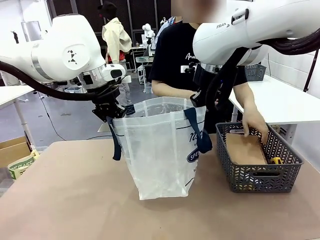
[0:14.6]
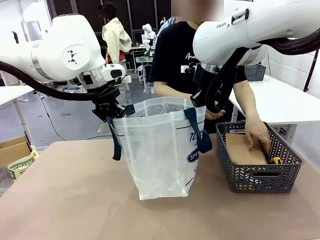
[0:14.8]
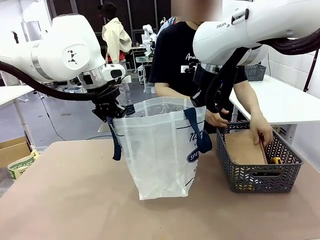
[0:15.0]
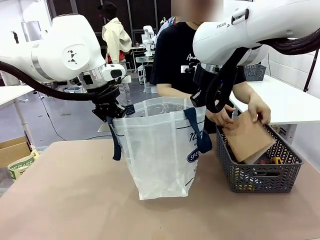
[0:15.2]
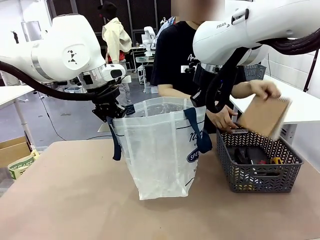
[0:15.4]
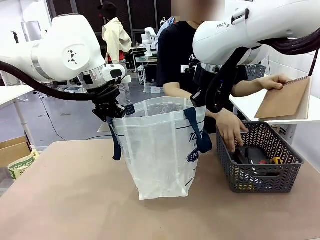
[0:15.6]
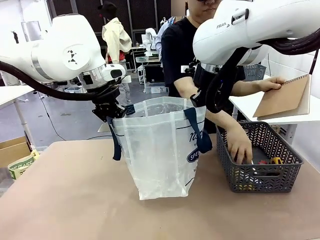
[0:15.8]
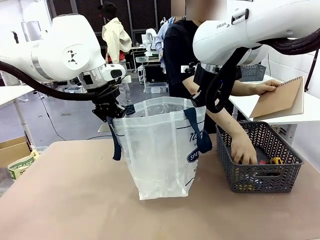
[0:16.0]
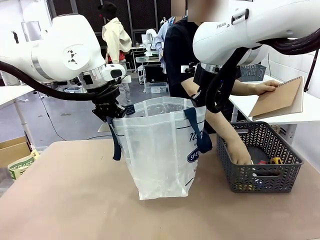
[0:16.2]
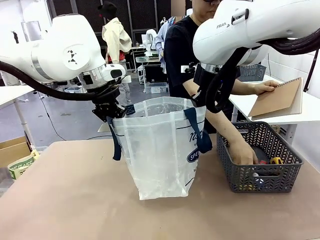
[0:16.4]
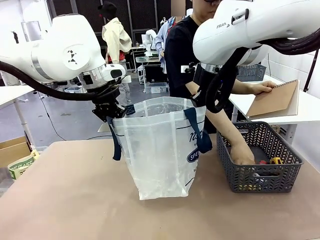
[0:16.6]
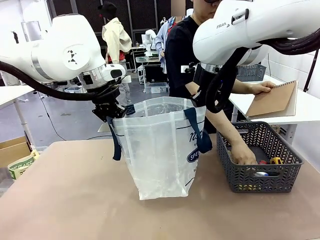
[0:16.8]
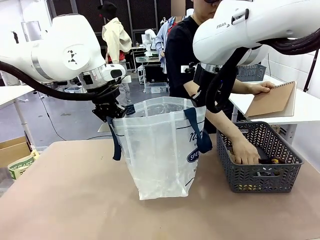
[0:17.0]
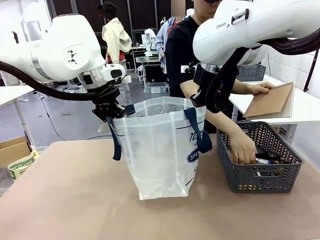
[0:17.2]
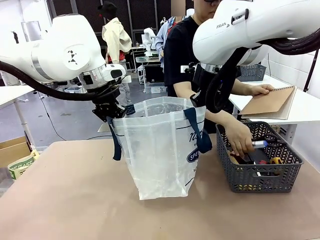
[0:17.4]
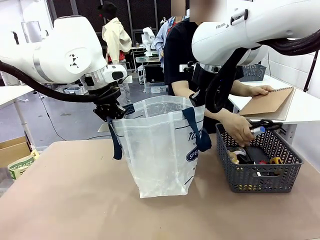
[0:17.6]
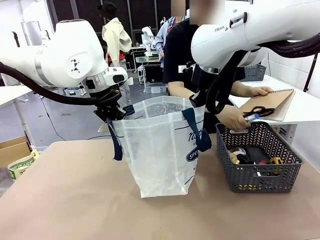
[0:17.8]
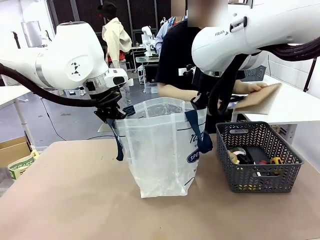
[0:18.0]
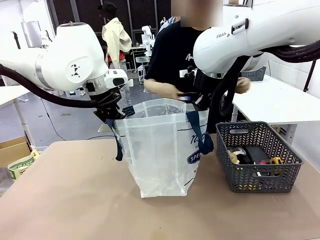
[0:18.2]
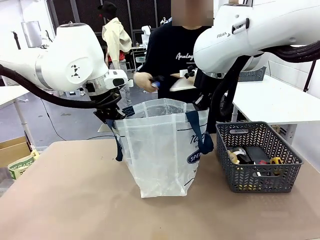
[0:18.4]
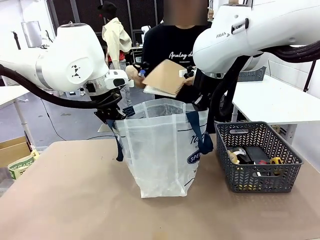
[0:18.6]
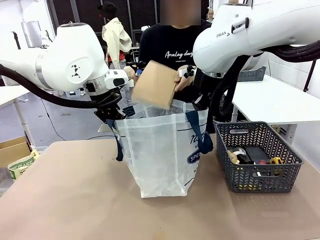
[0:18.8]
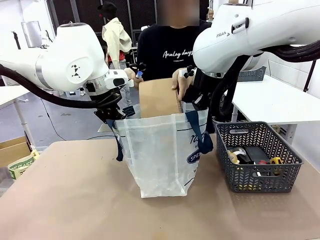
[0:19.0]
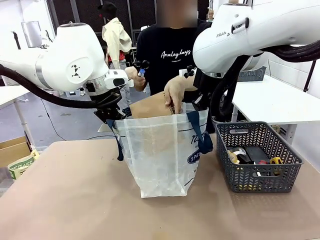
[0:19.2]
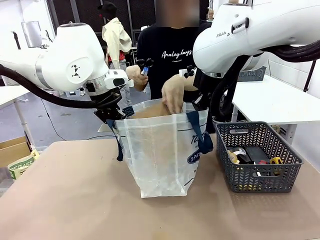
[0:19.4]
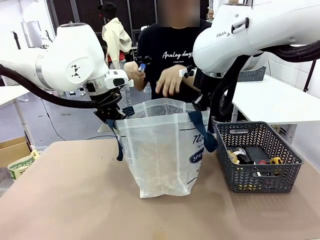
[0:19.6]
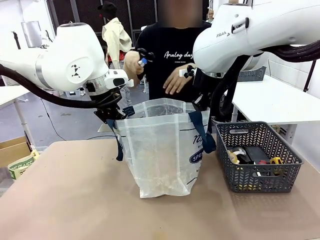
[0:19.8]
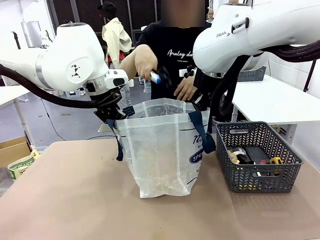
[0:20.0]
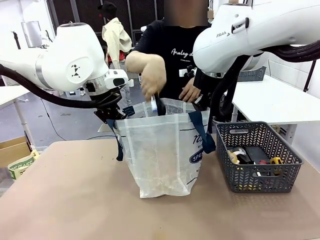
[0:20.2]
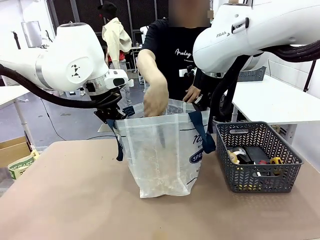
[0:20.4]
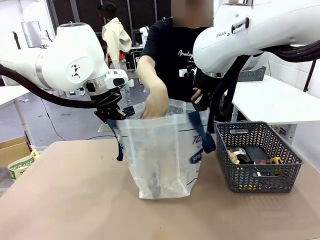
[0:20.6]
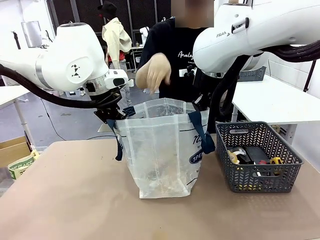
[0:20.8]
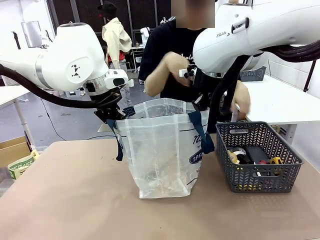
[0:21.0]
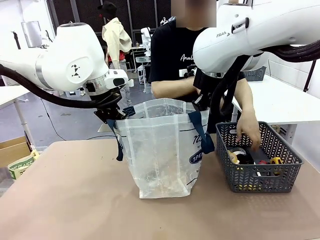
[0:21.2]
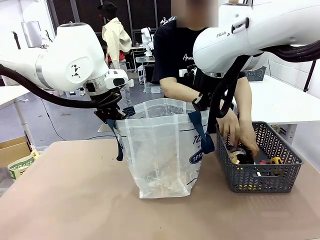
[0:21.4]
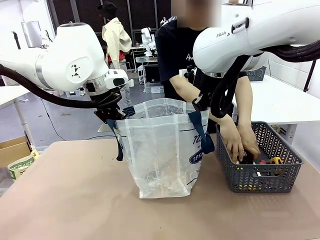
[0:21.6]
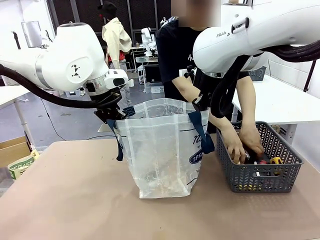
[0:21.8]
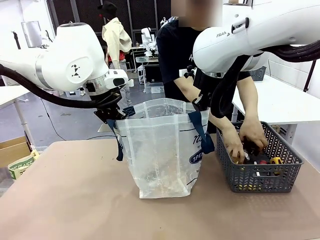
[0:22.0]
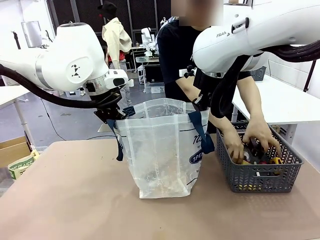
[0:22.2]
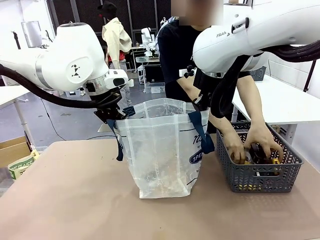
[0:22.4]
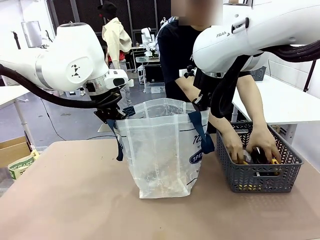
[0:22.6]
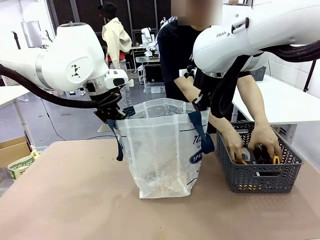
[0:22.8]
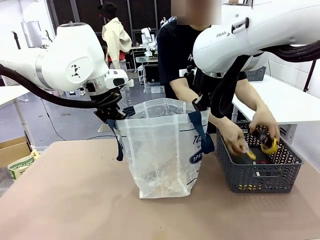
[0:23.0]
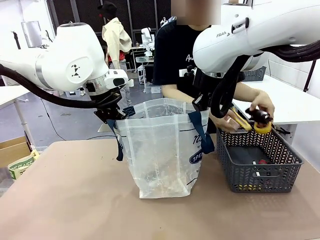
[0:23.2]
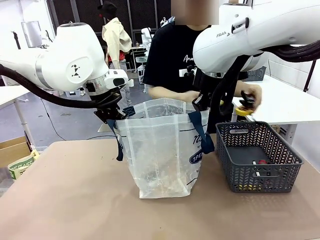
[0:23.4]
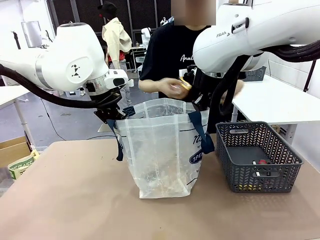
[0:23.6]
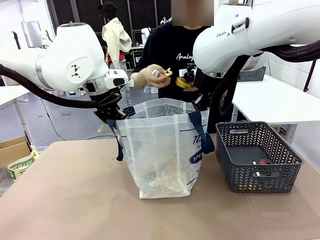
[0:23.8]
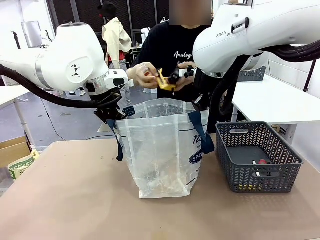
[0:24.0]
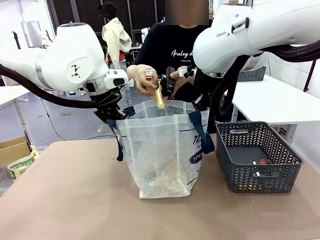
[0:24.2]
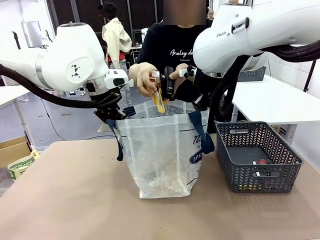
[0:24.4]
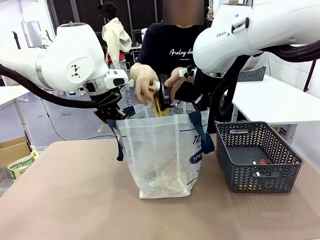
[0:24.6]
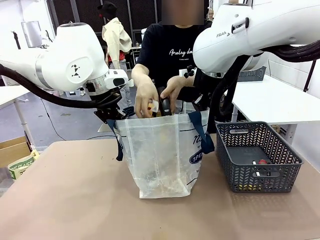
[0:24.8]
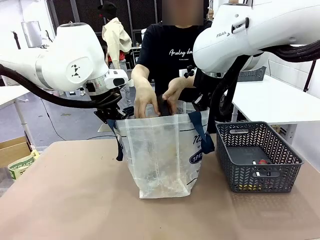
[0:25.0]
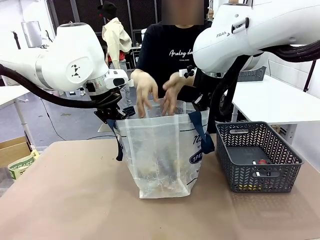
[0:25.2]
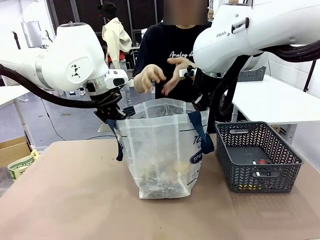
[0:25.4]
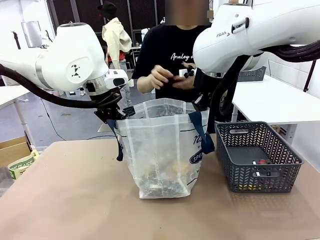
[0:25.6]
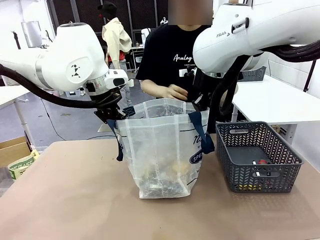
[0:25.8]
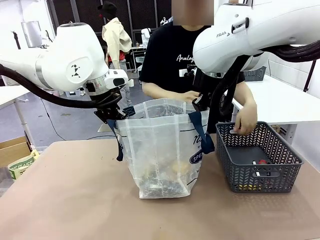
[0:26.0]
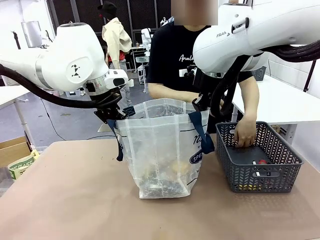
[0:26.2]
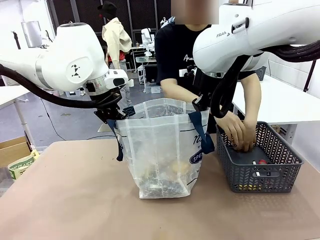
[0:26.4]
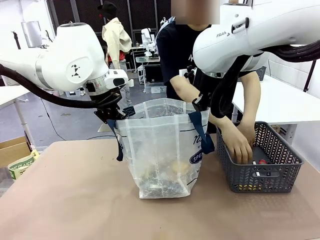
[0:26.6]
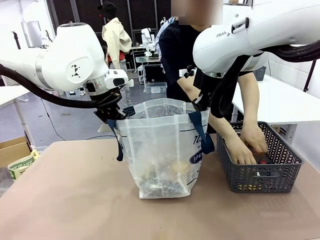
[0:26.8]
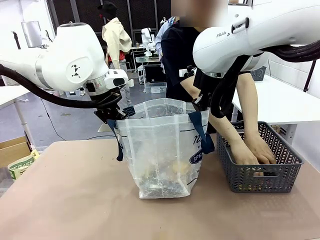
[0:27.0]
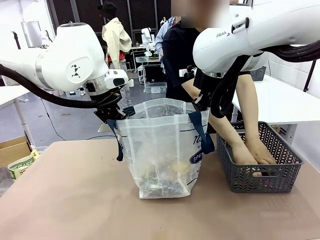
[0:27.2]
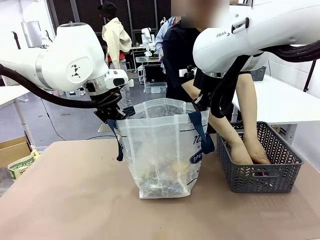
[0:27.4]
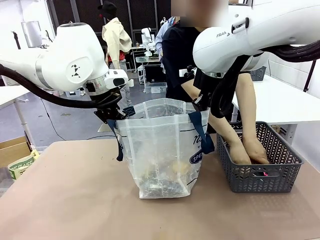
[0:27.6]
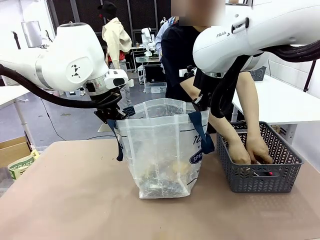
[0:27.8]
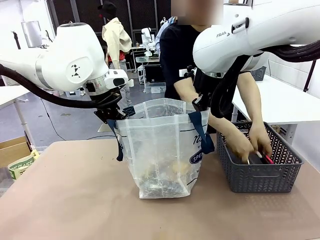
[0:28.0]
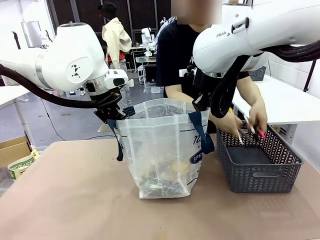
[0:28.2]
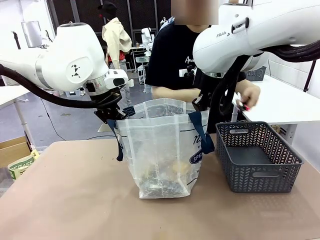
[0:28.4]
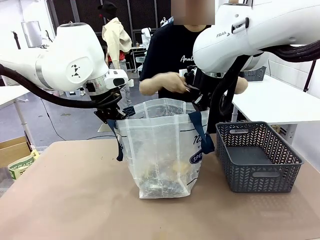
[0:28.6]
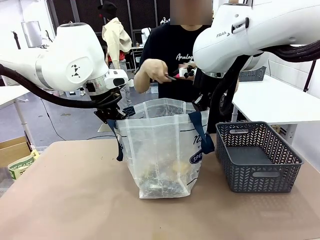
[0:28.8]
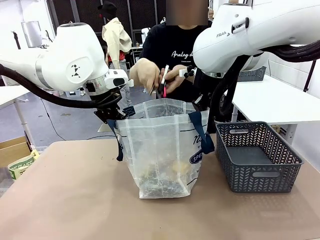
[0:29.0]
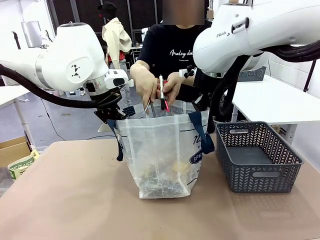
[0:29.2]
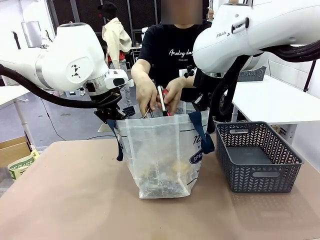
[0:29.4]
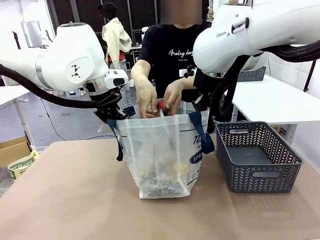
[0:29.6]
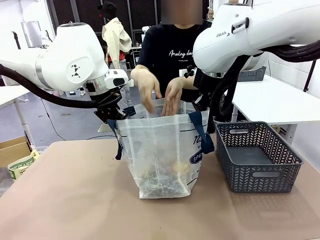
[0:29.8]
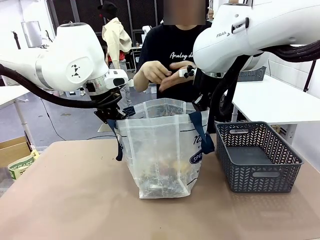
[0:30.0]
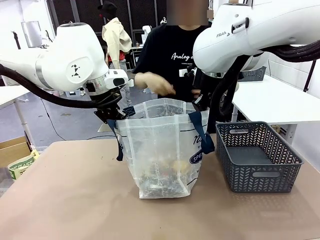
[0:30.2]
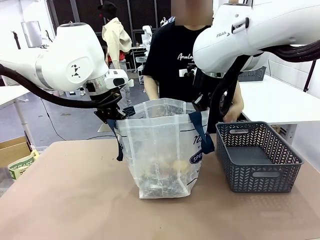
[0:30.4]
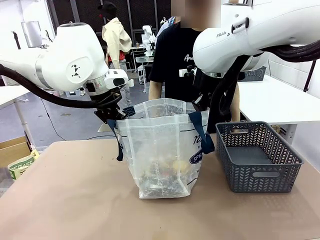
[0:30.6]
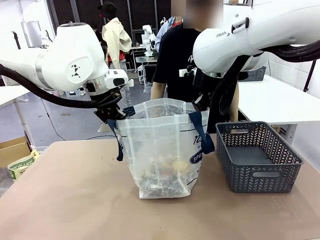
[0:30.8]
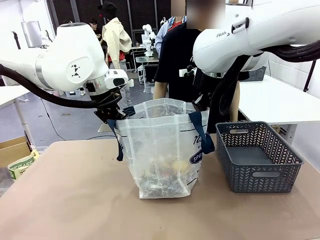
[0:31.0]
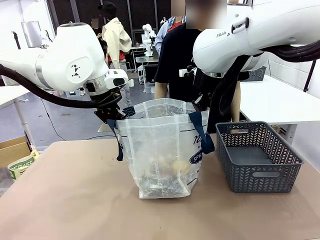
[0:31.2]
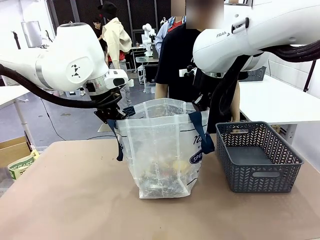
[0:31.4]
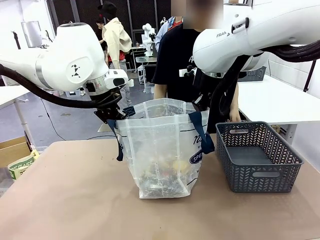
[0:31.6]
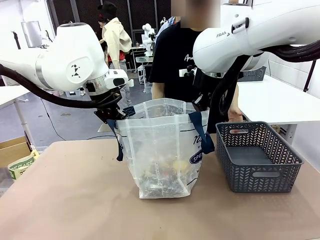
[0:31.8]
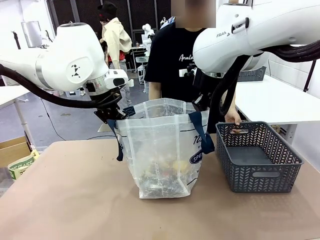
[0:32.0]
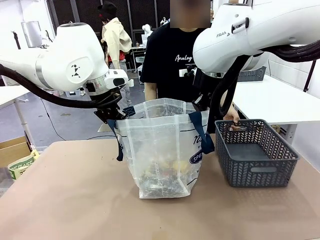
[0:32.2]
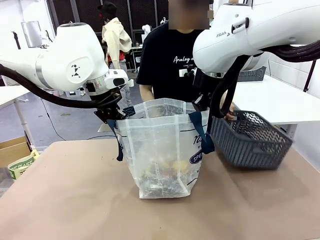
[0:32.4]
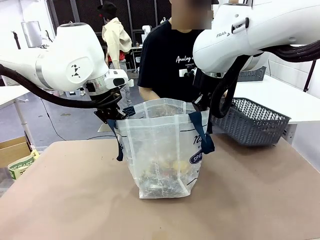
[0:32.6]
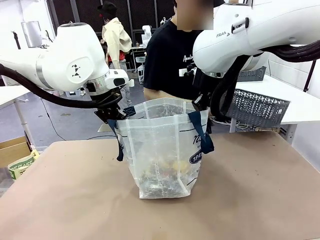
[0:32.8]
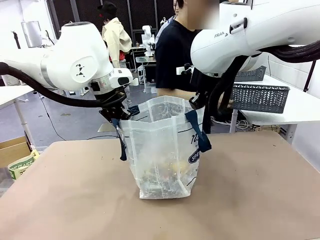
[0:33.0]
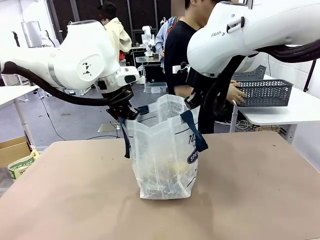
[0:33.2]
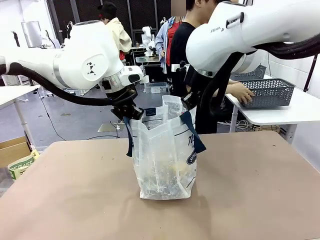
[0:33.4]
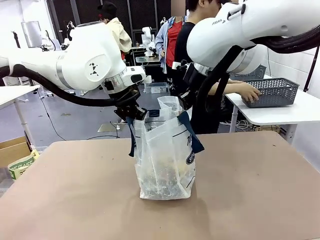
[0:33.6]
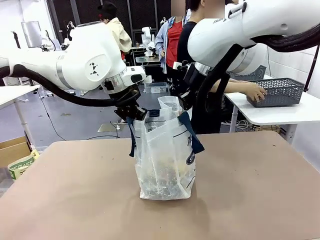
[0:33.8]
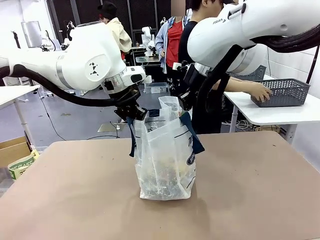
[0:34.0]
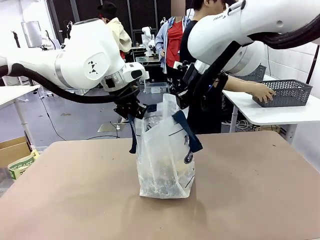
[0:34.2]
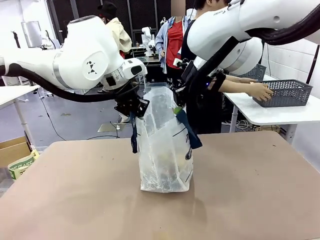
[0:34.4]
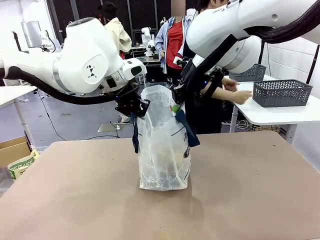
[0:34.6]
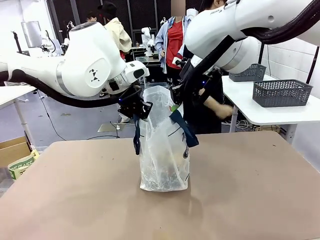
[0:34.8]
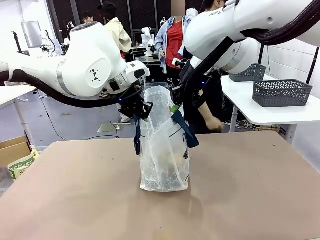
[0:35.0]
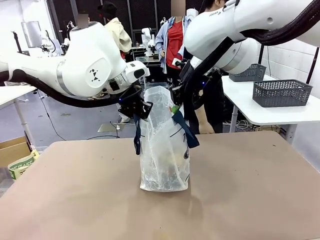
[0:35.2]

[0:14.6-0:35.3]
Task: Transfer purchased items from the store into the shopping bag.
Robot: Move the Reusable shopping bag to the right side of the table.
Person: Pick up the basket on the right, place it on the left side of the robot table, and move the items in the basket to the shopping bag. Pick up the basket with the items out and place it on the right side of the human table.
